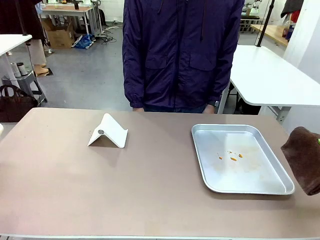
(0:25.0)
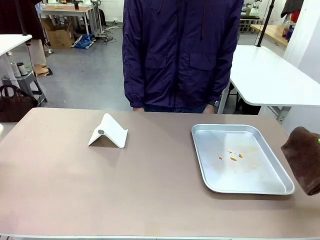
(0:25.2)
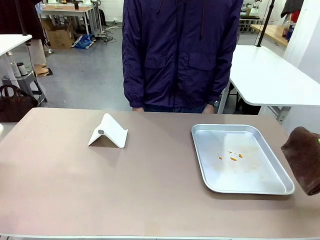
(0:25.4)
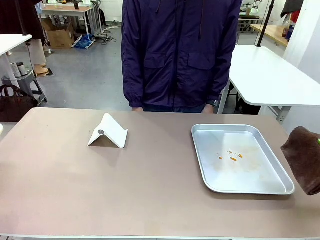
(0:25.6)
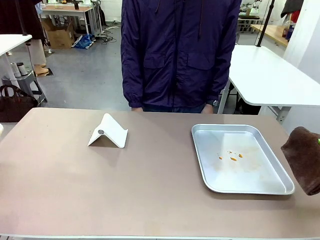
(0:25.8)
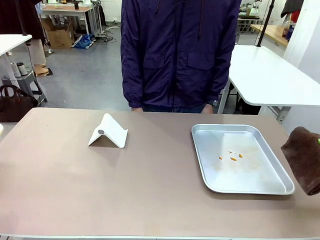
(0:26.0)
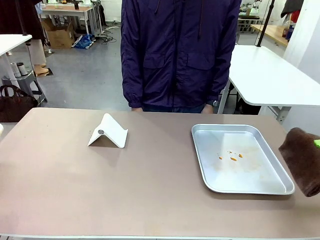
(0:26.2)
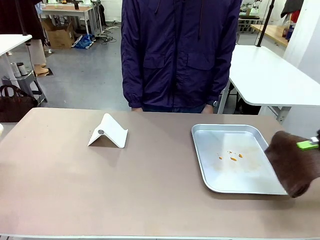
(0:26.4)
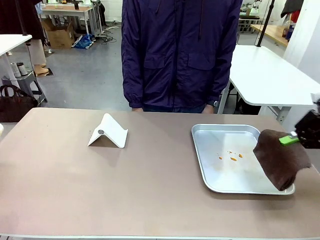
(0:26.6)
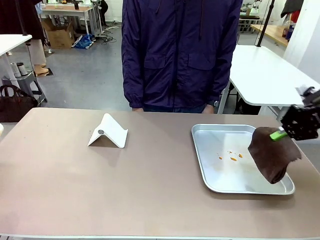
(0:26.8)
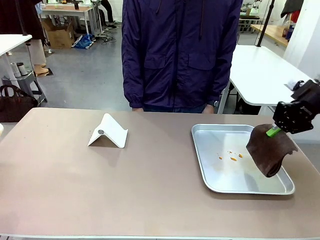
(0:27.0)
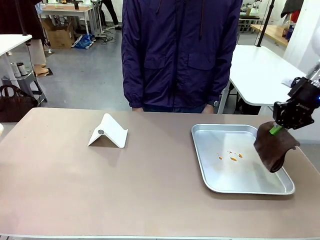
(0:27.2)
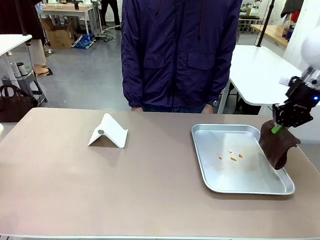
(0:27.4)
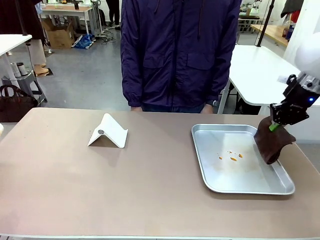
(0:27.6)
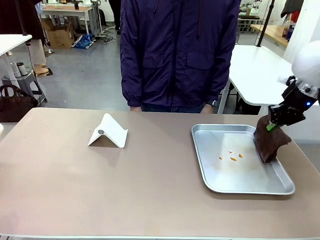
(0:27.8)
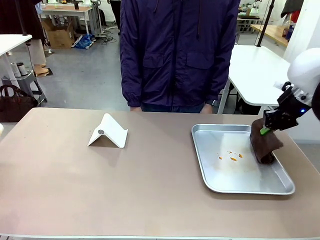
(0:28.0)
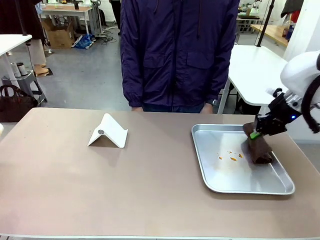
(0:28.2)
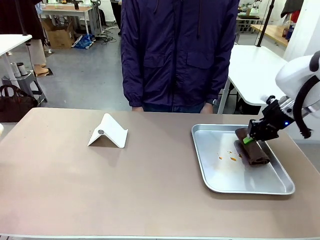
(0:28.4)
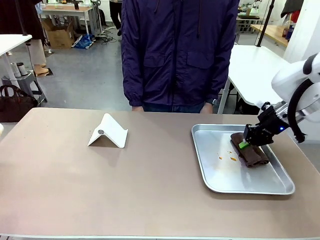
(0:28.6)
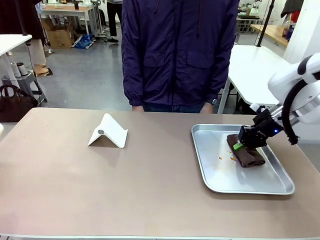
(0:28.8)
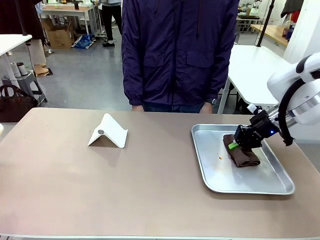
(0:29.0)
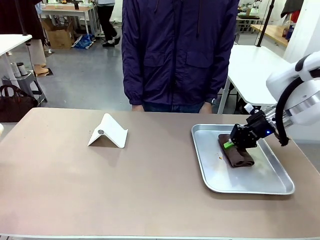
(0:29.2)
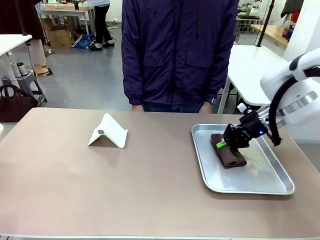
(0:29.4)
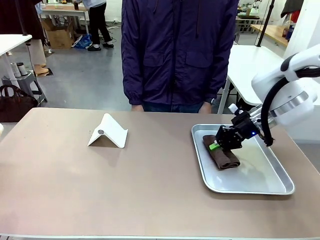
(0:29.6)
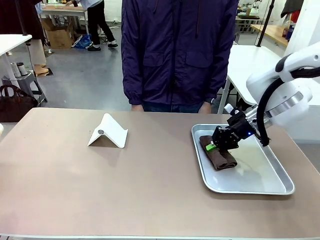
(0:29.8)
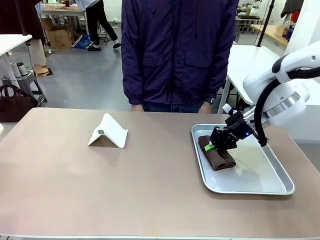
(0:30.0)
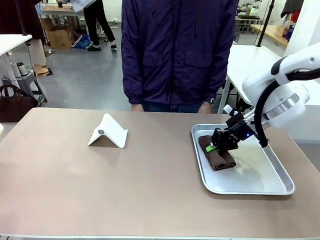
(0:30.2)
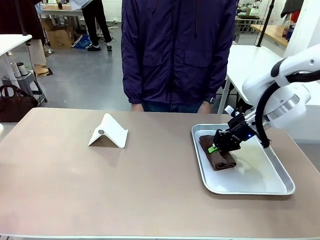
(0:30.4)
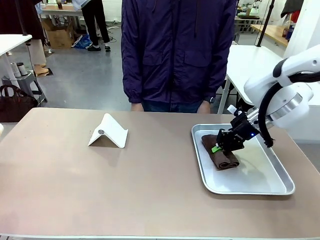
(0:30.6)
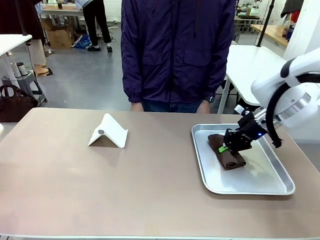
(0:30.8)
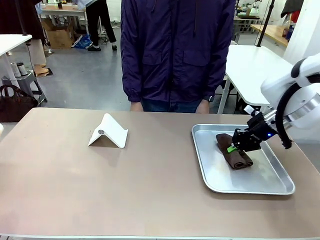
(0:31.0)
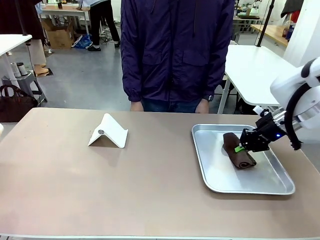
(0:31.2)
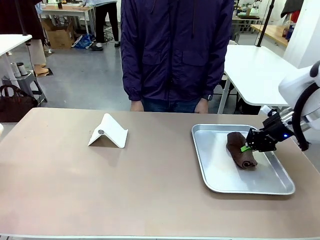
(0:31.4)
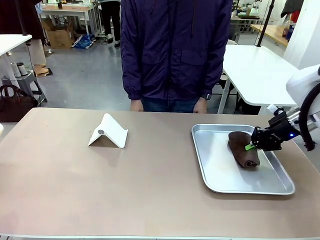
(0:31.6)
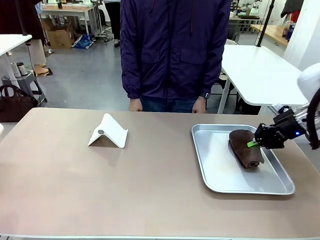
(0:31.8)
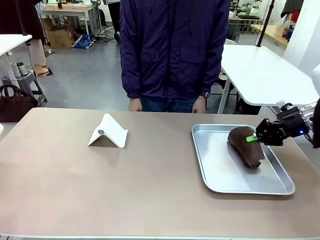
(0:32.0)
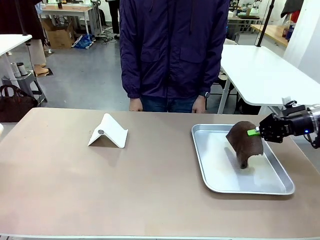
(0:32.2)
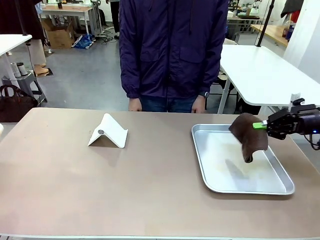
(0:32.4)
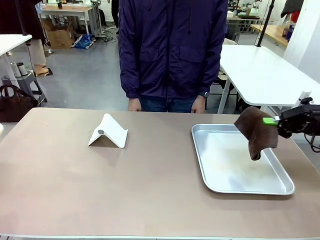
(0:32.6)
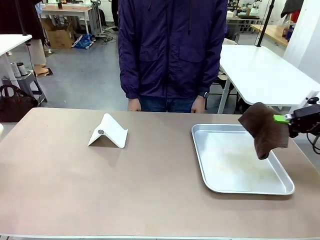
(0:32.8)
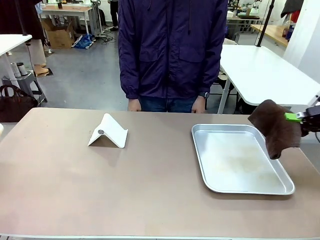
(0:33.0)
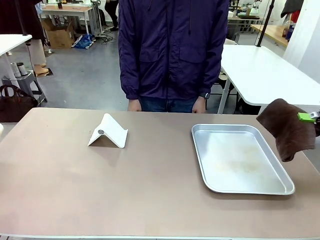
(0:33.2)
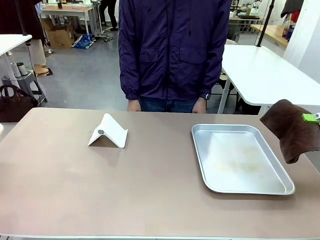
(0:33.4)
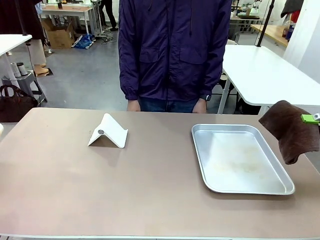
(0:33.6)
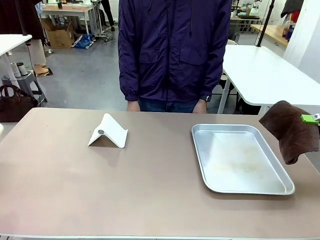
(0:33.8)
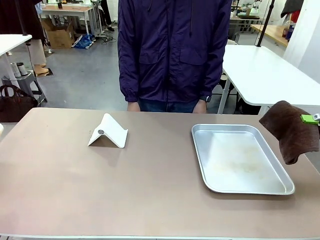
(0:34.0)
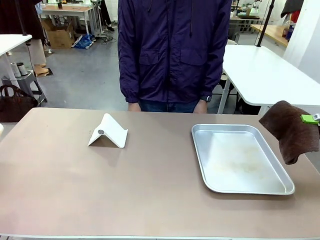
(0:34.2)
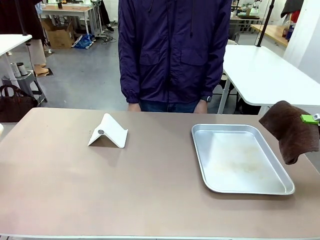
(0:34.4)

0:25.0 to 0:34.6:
Task: Clean the surface of the table.
Robot: Clean the area not pointed to by the person.

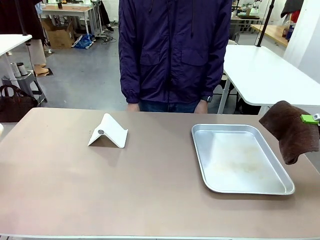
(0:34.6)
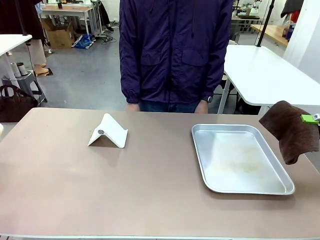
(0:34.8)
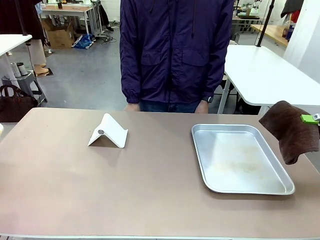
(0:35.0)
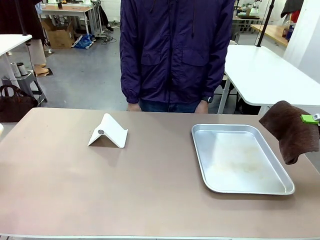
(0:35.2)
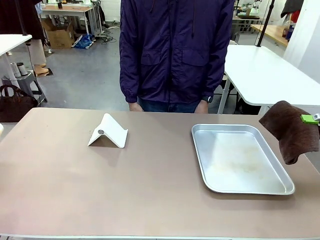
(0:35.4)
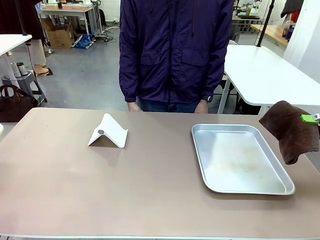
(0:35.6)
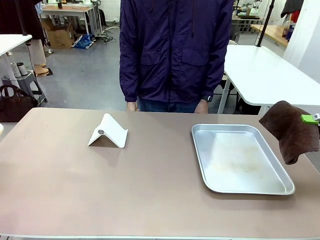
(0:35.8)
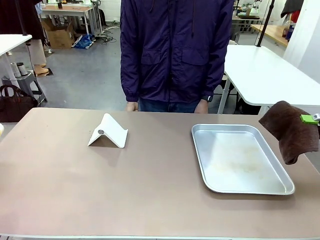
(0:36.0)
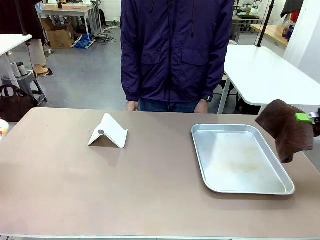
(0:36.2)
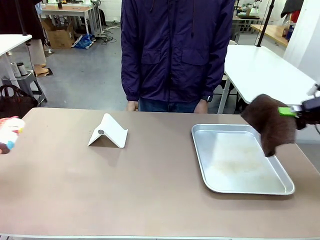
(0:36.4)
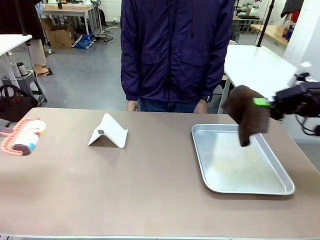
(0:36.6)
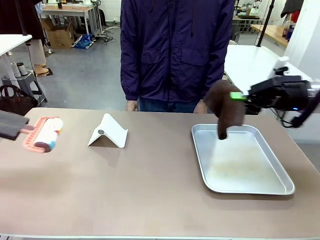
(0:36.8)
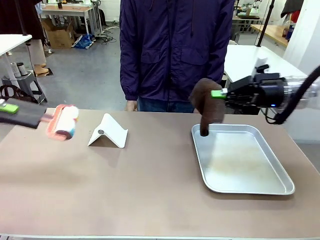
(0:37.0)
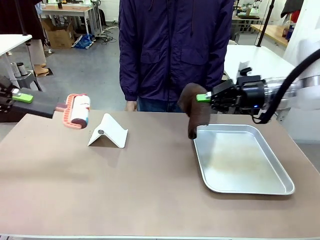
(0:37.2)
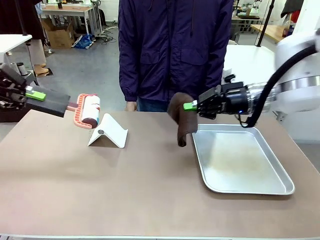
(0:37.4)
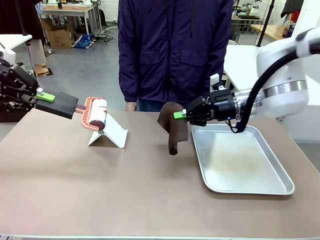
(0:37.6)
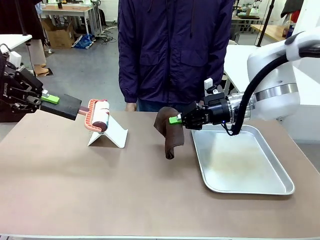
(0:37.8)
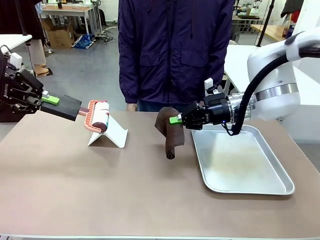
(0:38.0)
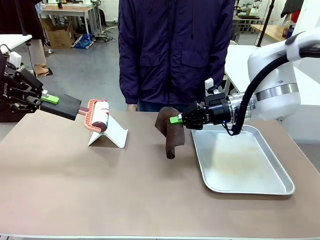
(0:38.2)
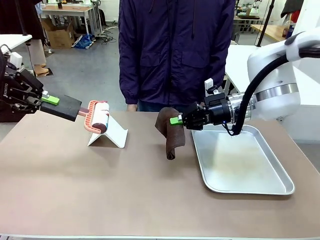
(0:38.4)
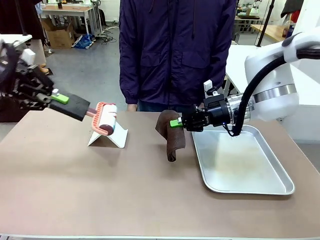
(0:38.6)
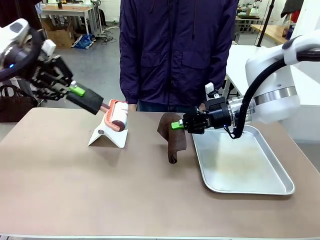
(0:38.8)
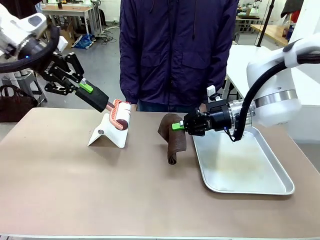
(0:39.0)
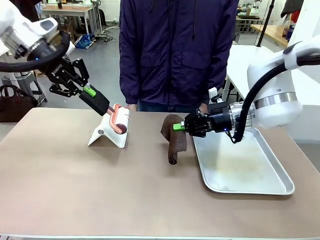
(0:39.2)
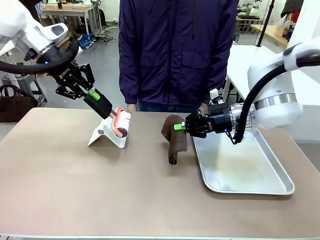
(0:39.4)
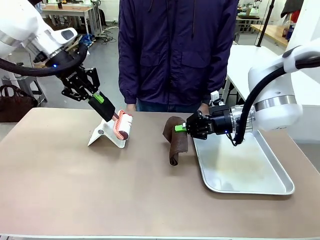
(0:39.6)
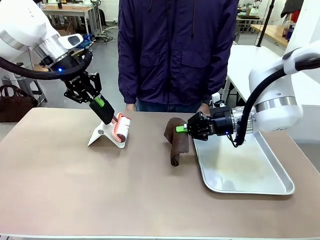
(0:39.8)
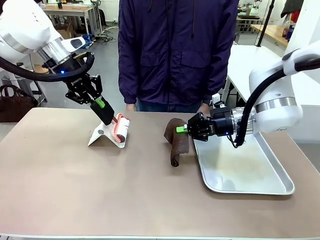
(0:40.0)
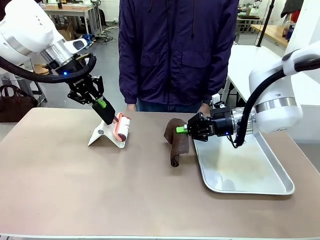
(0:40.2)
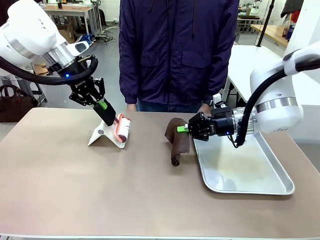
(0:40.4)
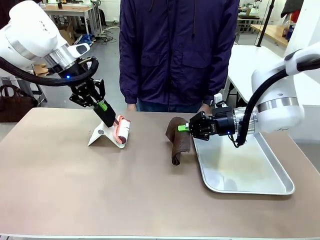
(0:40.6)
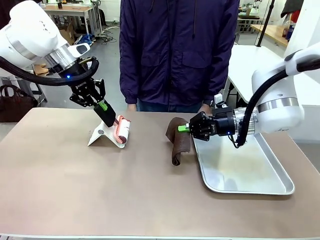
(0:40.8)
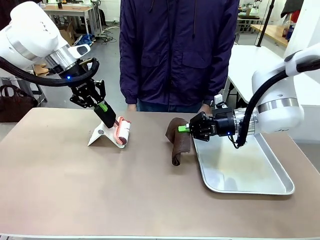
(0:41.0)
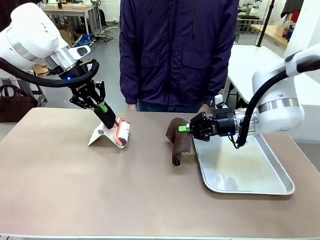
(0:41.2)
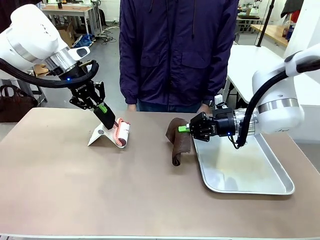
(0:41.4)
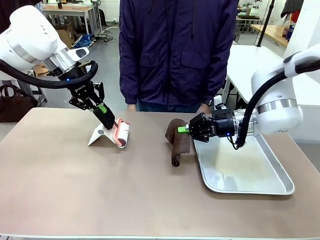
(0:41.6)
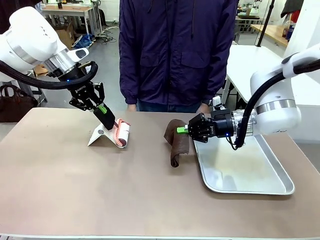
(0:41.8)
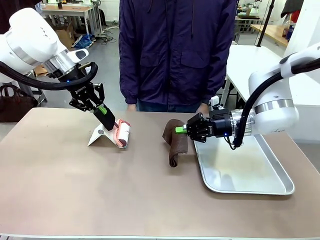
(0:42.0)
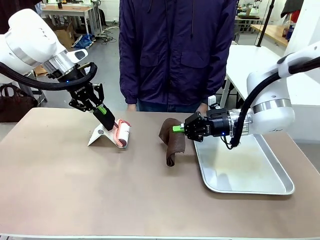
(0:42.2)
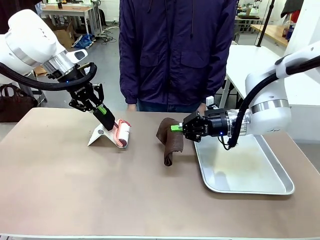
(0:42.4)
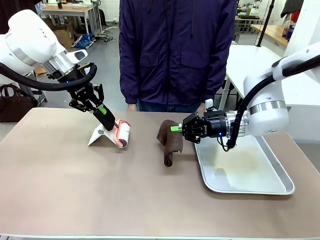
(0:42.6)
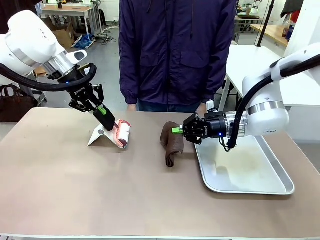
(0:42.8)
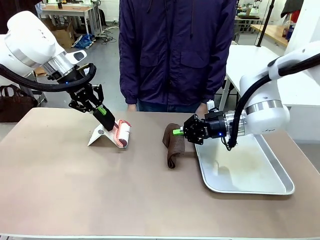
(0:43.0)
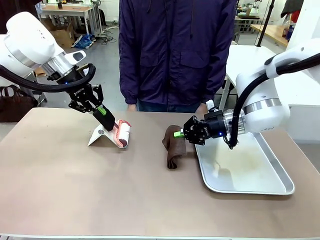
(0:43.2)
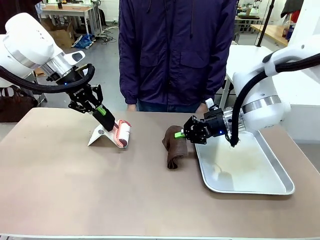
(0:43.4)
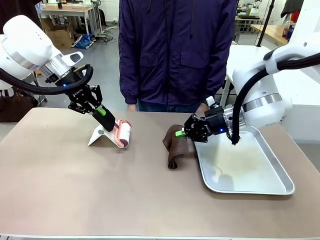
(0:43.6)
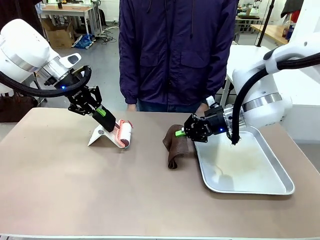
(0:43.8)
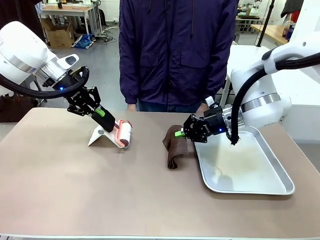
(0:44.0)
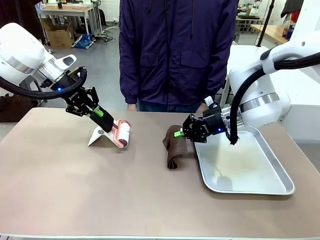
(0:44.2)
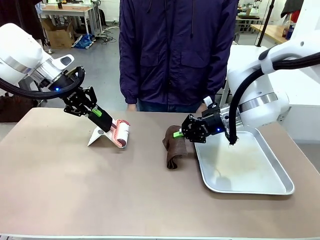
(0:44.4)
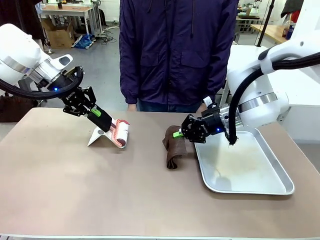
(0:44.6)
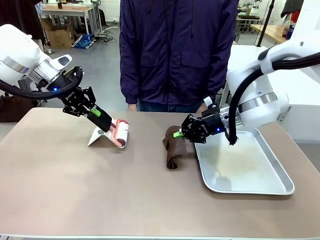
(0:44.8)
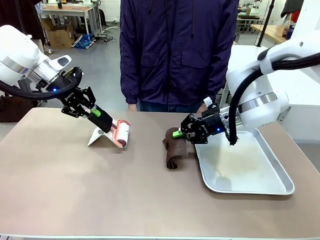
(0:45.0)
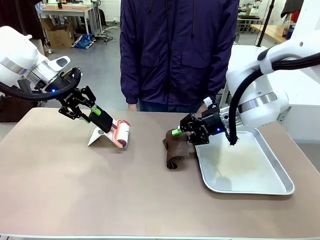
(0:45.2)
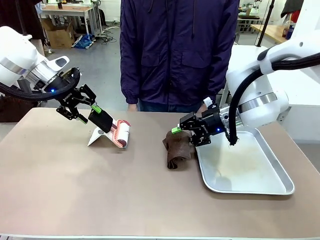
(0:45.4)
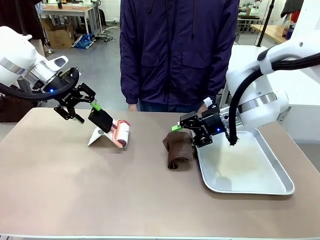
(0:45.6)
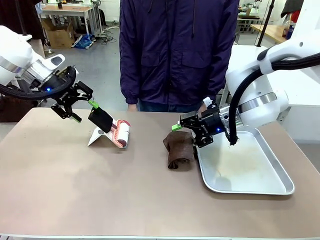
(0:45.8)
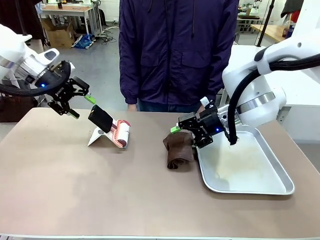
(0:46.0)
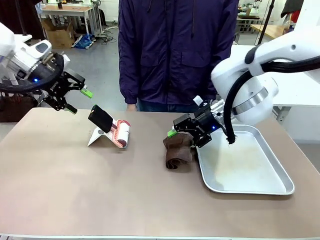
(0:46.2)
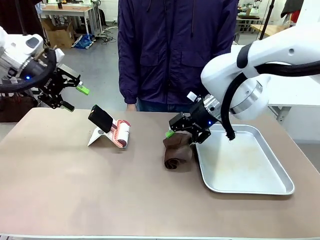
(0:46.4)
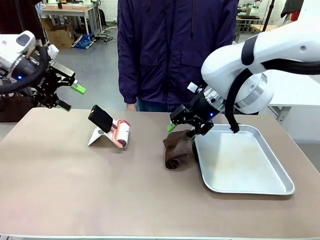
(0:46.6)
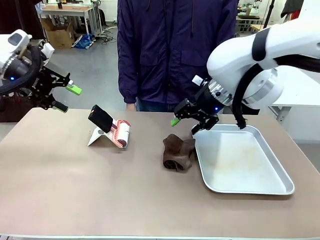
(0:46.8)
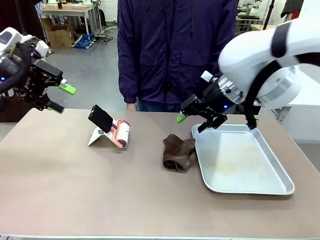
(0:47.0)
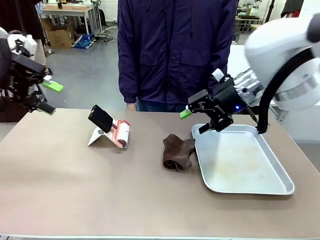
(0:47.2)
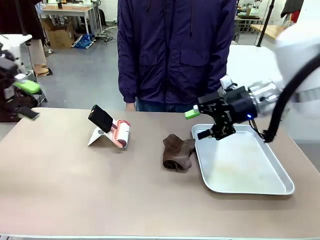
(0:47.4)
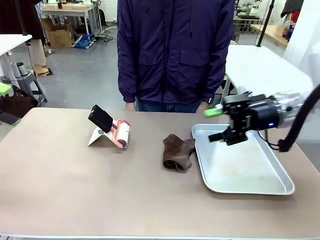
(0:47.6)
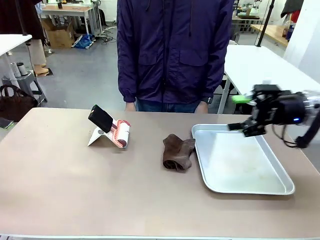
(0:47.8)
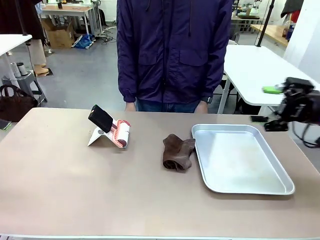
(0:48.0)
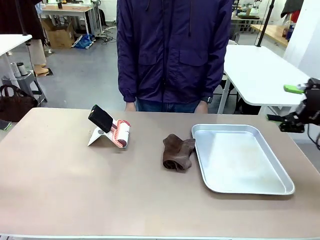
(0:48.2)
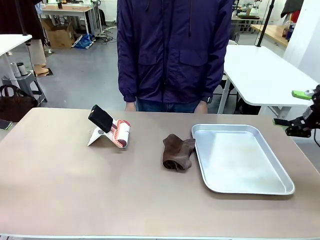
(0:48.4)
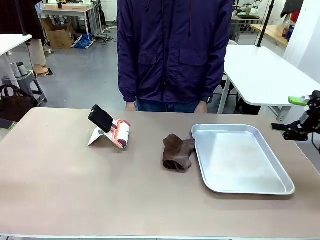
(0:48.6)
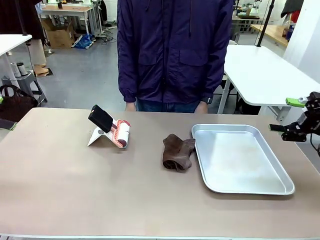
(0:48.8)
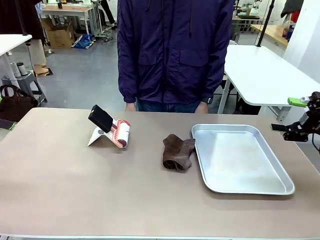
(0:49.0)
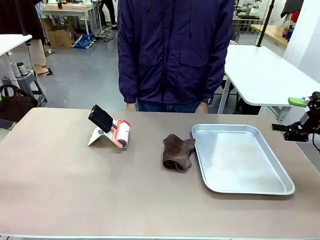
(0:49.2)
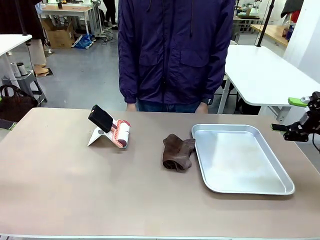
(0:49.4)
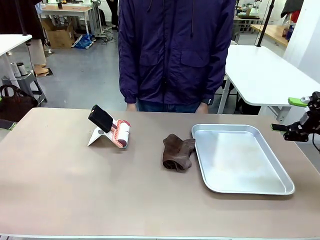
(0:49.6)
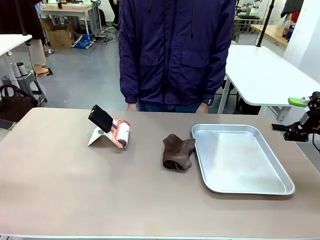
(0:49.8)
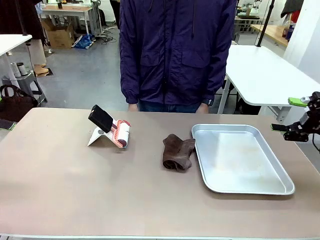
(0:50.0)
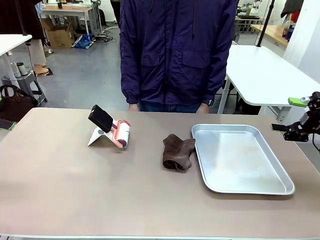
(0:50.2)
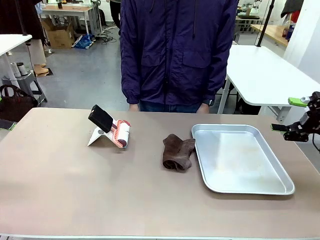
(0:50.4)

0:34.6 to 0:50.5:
Robot: Return the Lint Roller and towel to their original positions.
